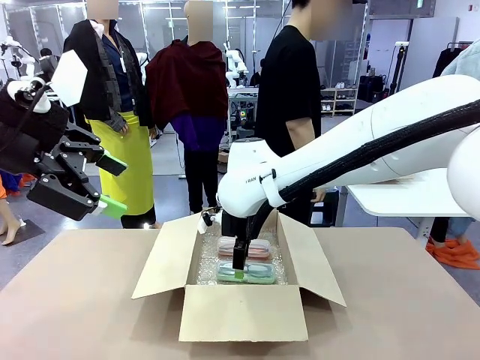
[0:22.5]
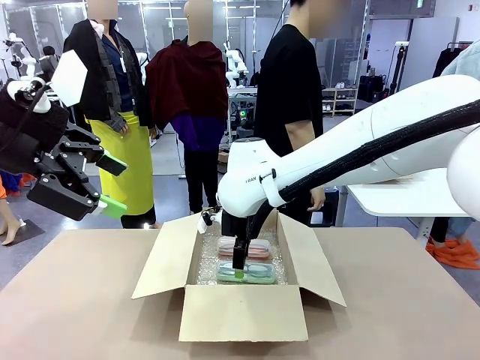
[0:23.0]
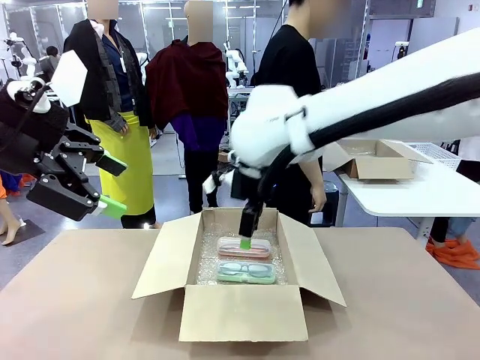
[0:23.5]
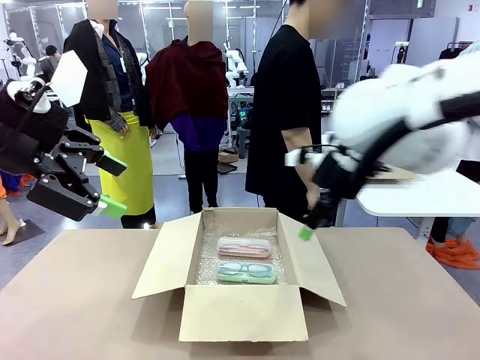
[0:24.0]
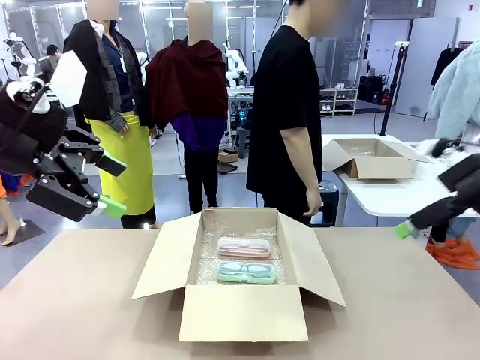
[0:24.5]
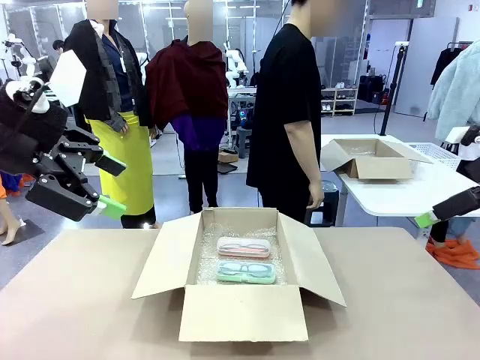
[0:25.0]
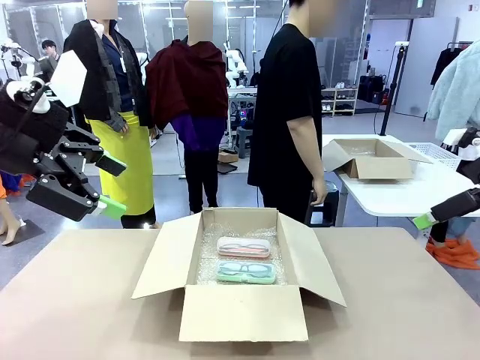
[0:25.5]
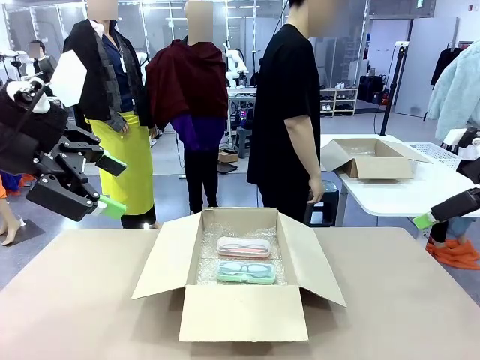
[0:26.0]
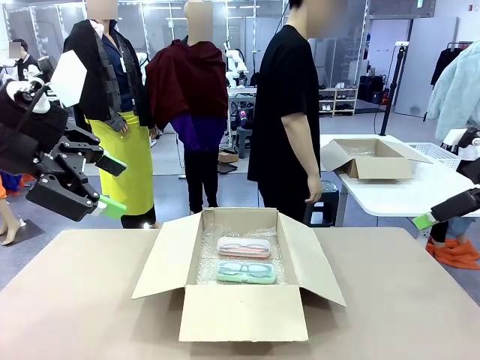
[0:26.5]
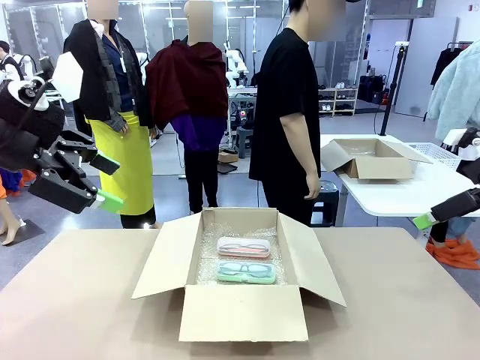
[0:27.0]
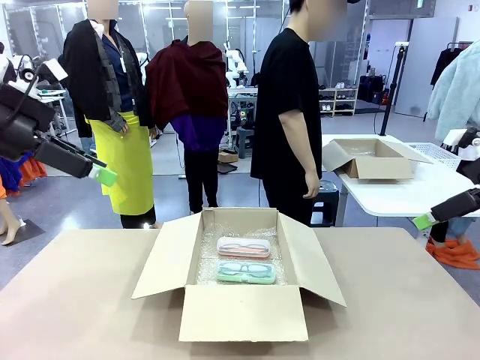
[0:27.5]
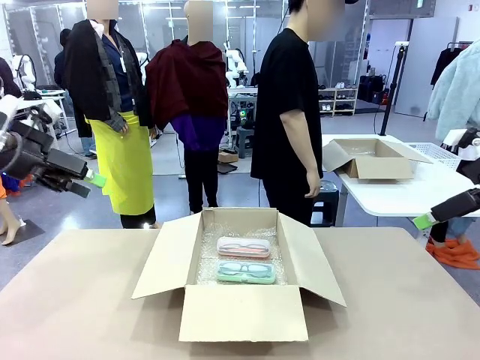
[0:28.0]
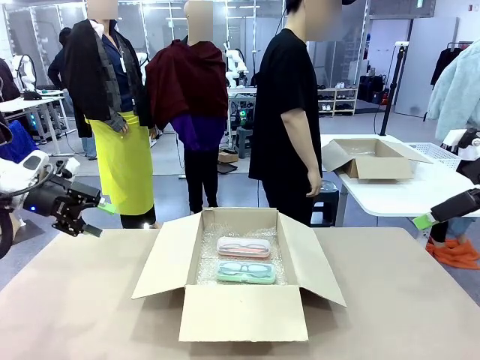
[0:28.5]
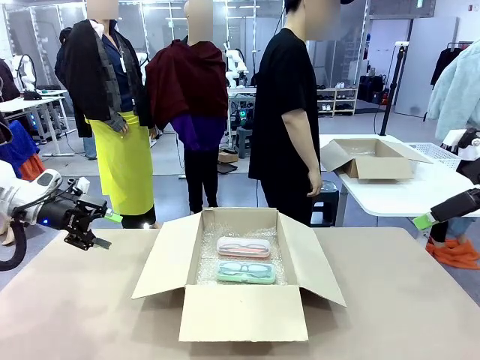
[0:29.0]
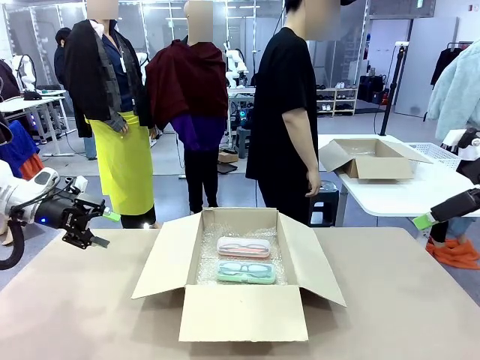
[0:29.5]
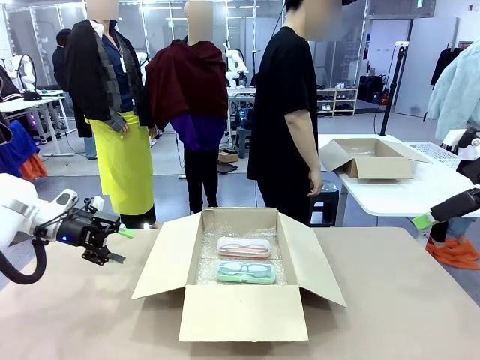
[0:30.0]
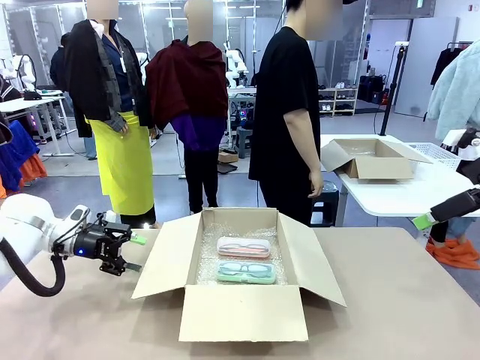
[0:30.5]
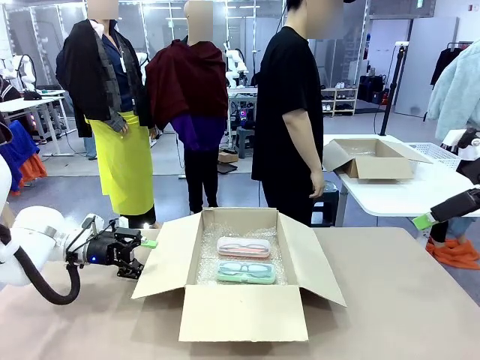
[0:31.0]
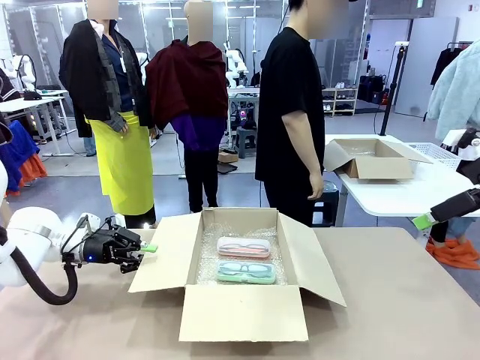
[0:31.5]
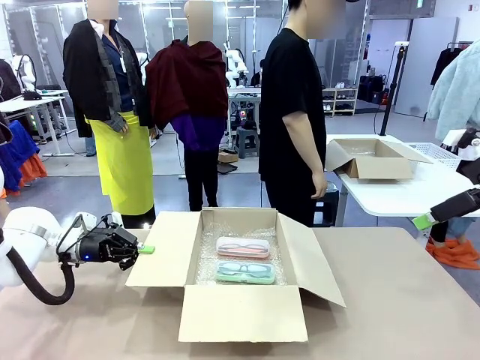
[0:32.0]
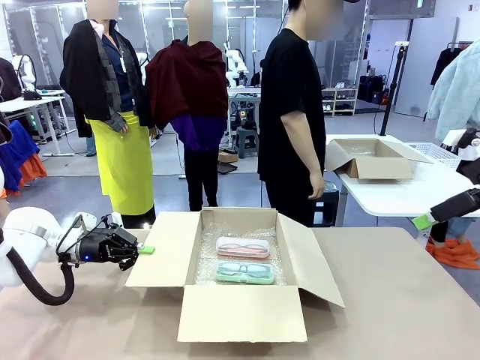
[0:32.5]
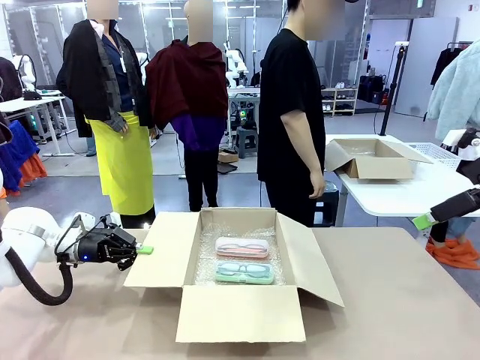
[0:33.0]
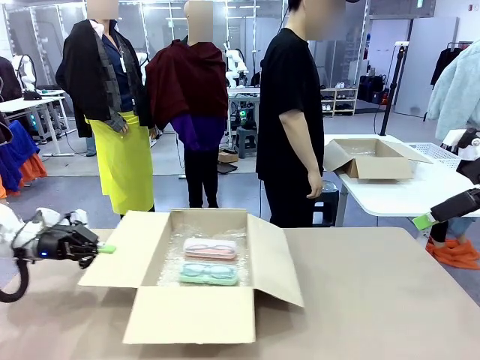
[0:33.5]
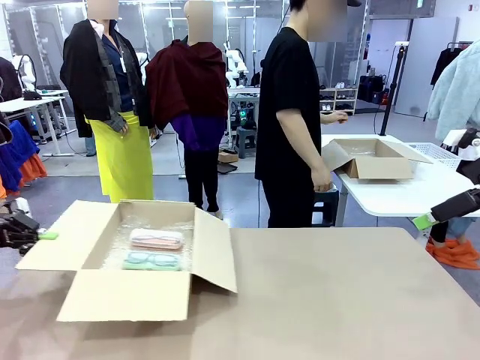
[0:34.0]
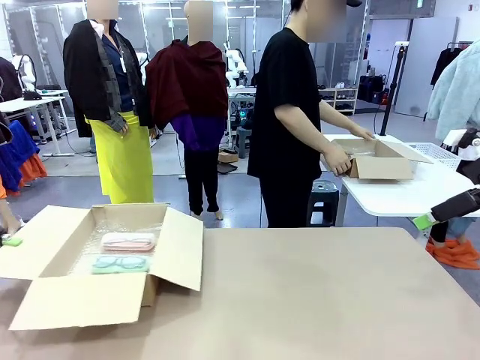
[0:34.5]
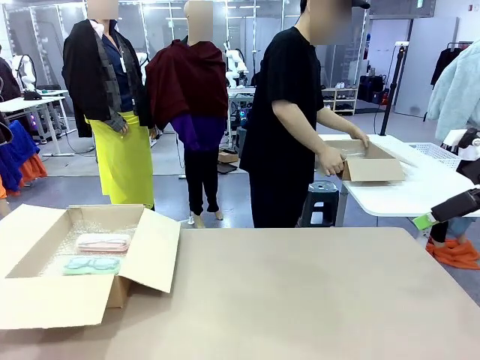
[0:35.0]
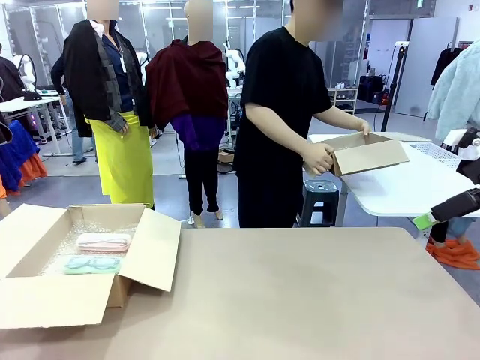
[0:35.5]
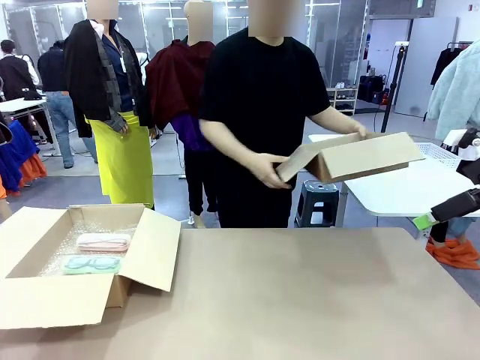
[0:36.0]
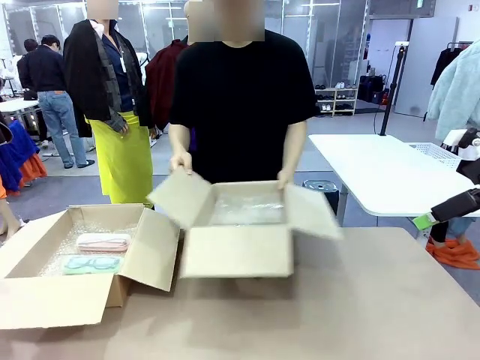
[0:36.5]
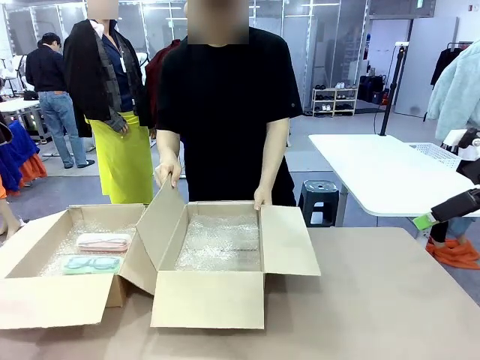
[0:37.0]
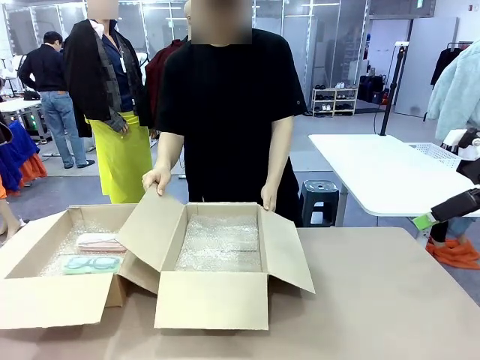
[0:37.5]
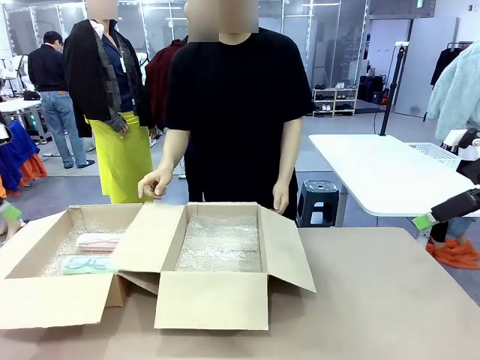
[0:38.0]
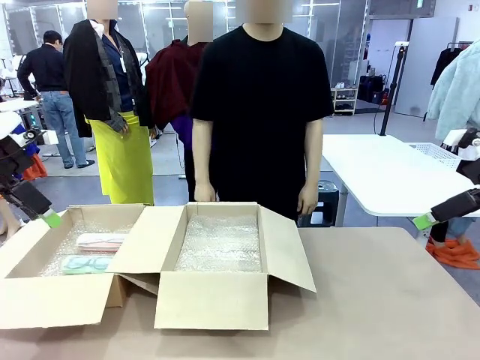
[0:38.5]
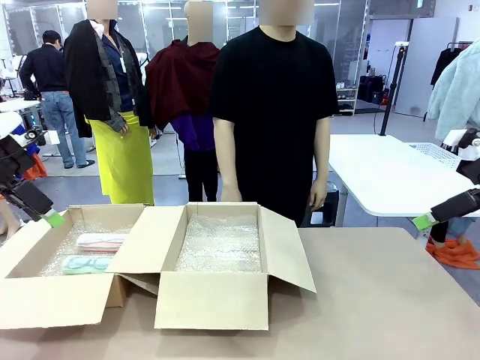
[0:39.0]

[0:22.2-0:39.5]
Task: Pack the glasses set securely to prepare it for shipping.
Robot: Position the Package Box on the left side of the table.
Person: Position the empty Package Box in the middle of the robot's table.
